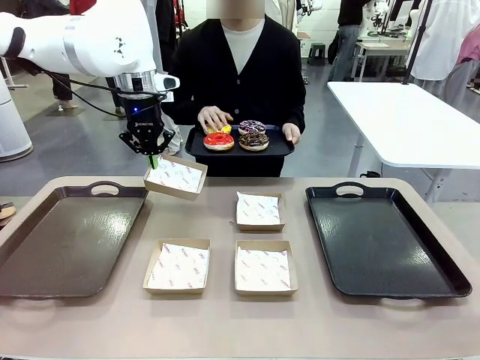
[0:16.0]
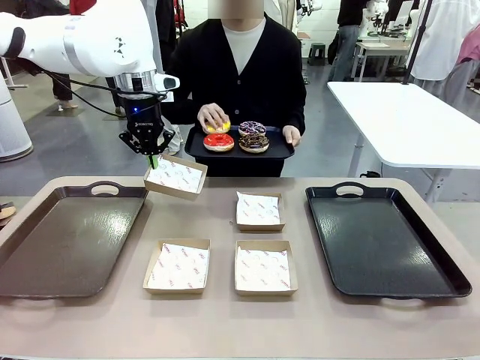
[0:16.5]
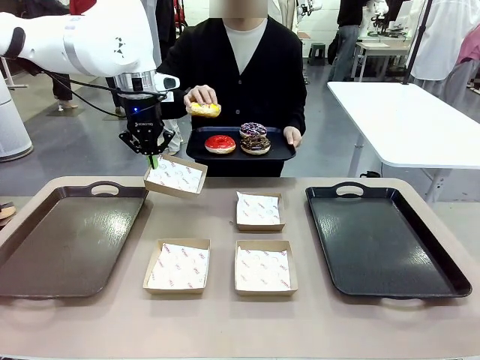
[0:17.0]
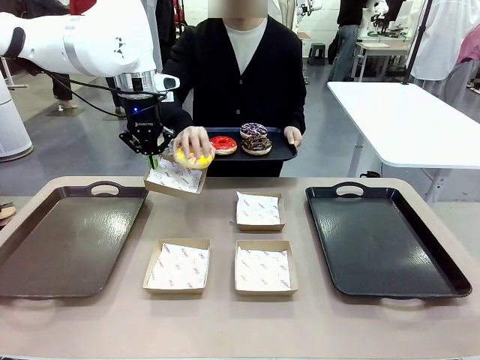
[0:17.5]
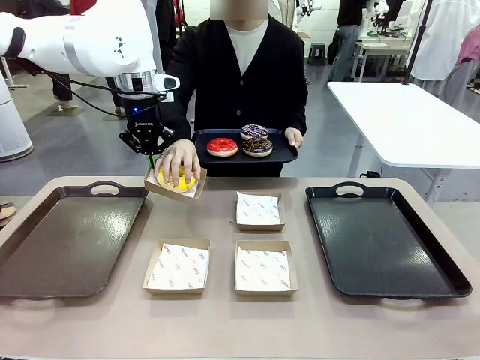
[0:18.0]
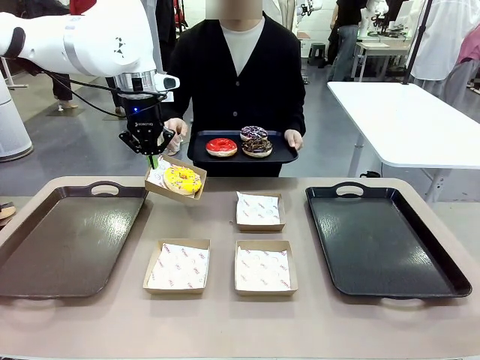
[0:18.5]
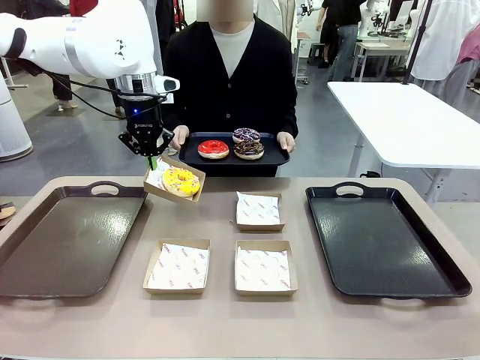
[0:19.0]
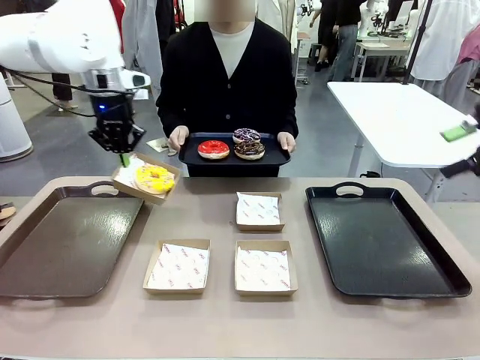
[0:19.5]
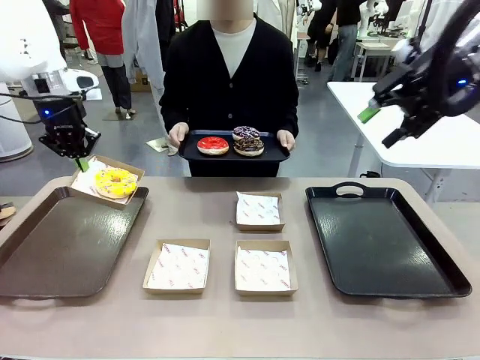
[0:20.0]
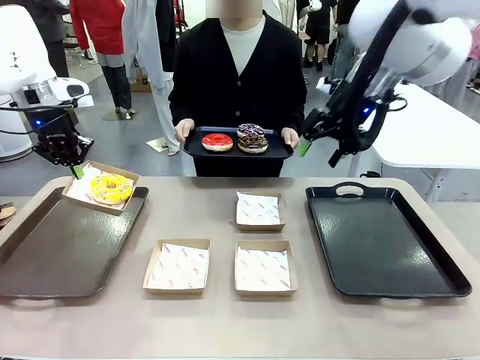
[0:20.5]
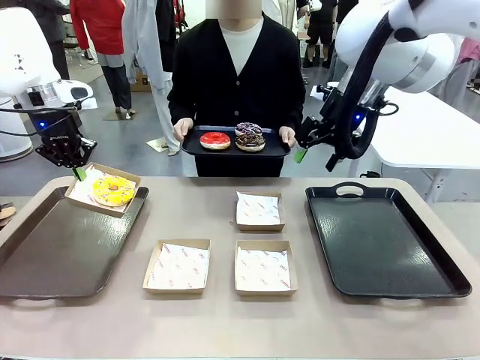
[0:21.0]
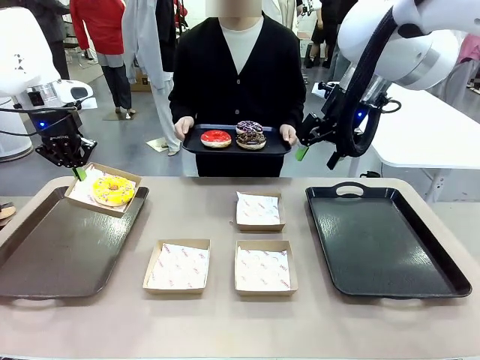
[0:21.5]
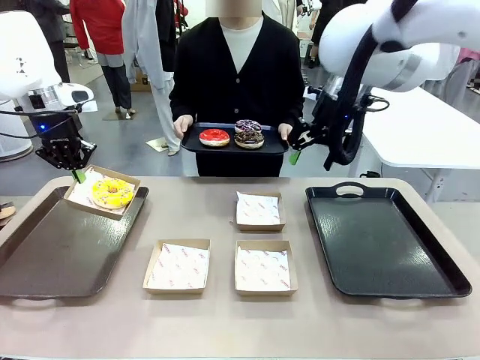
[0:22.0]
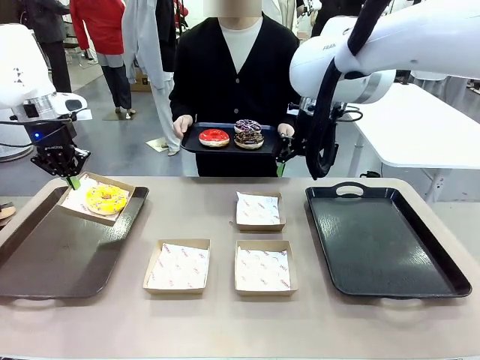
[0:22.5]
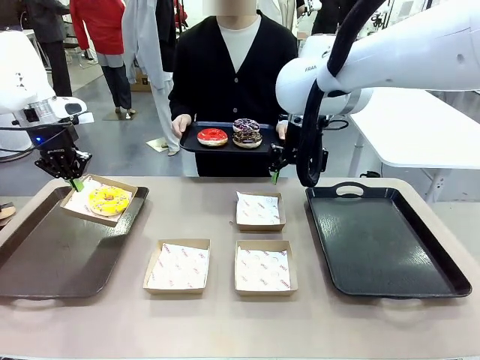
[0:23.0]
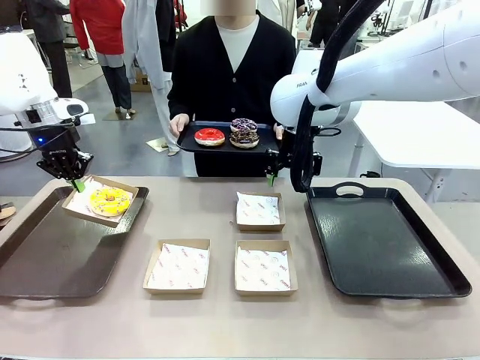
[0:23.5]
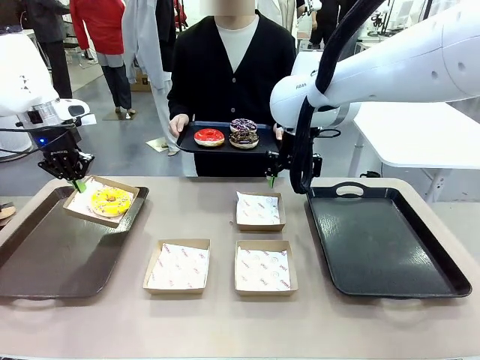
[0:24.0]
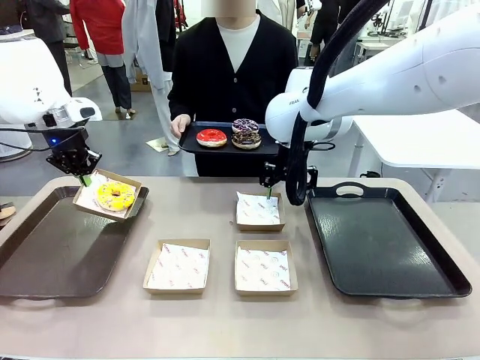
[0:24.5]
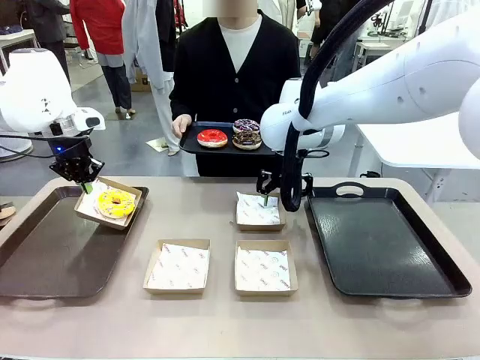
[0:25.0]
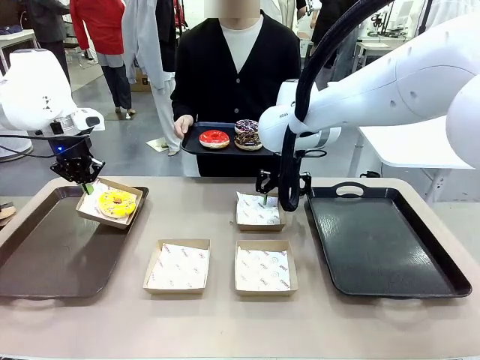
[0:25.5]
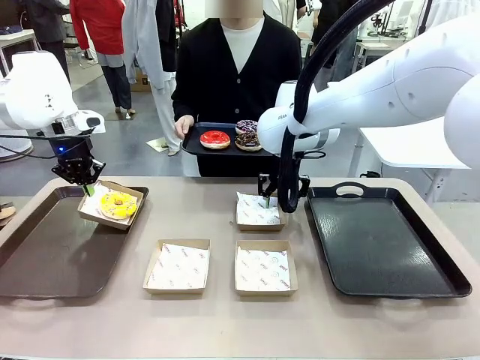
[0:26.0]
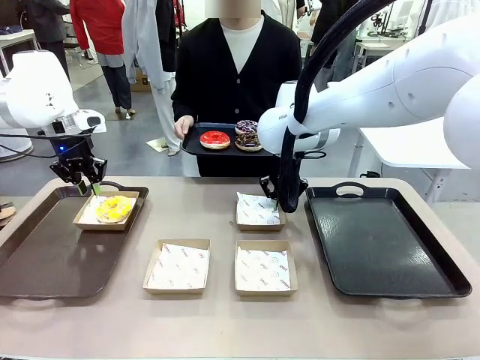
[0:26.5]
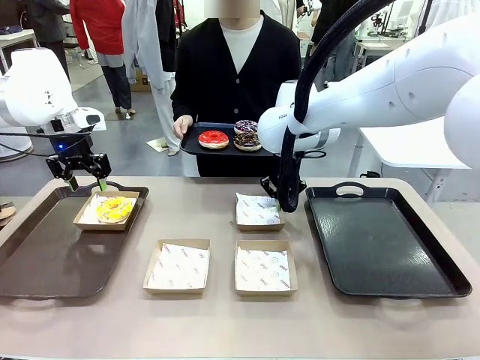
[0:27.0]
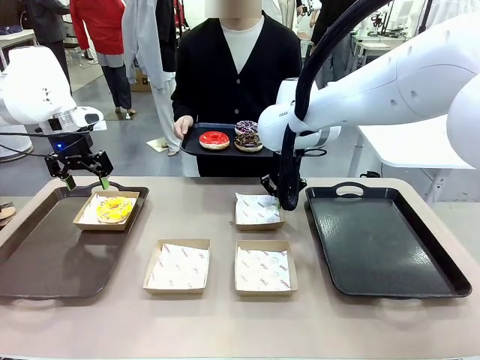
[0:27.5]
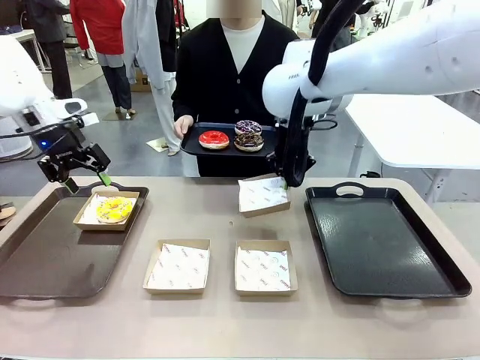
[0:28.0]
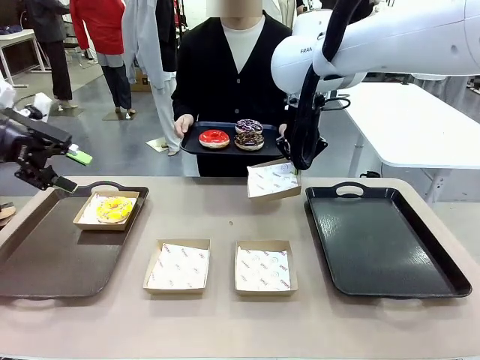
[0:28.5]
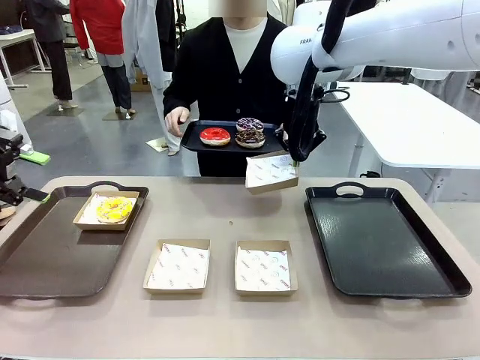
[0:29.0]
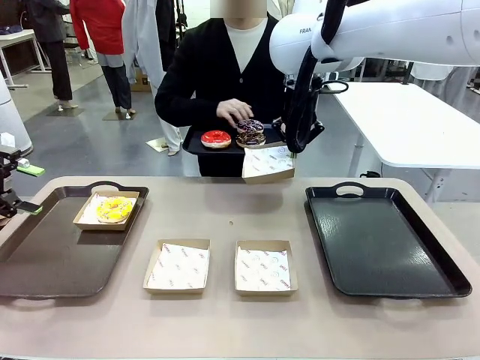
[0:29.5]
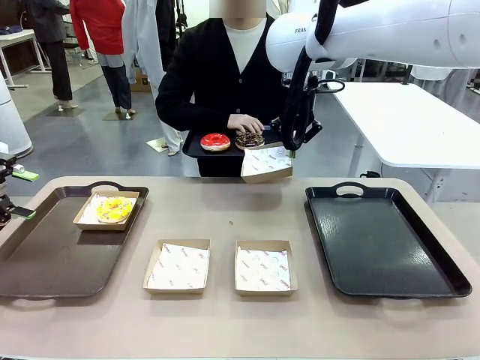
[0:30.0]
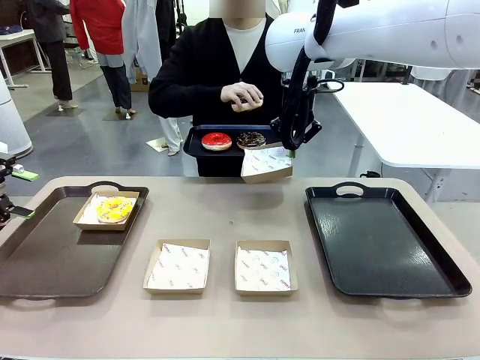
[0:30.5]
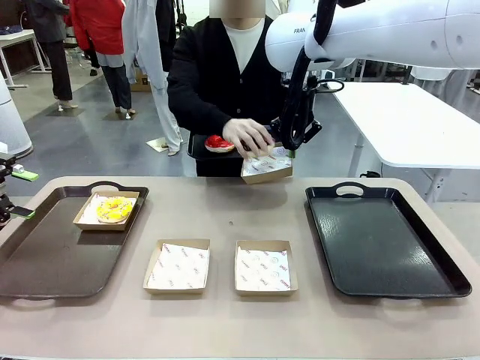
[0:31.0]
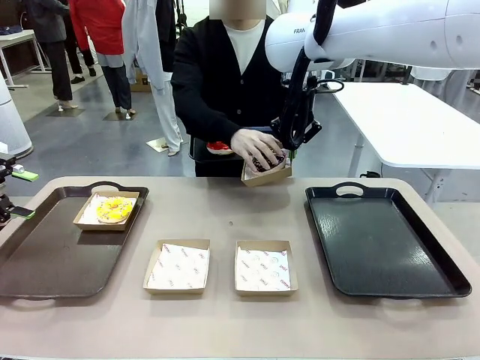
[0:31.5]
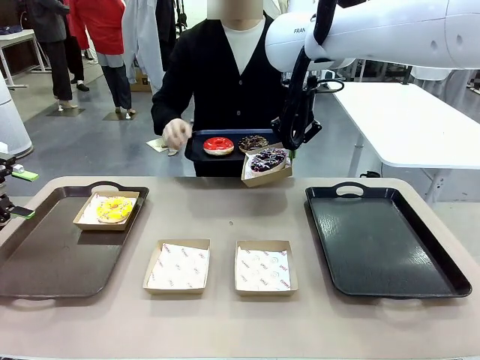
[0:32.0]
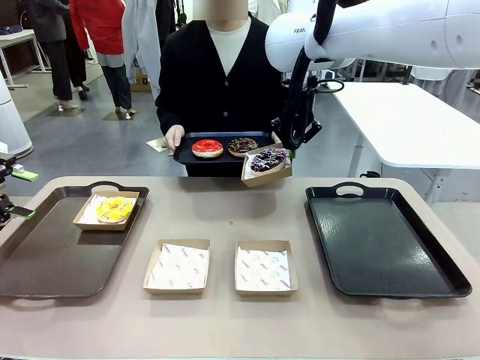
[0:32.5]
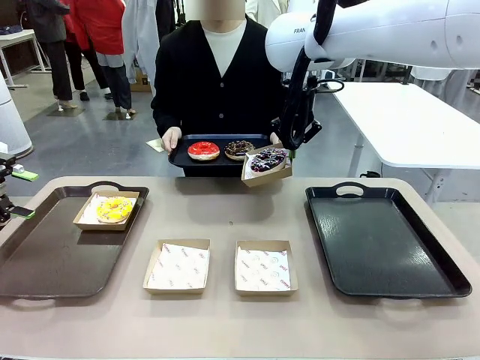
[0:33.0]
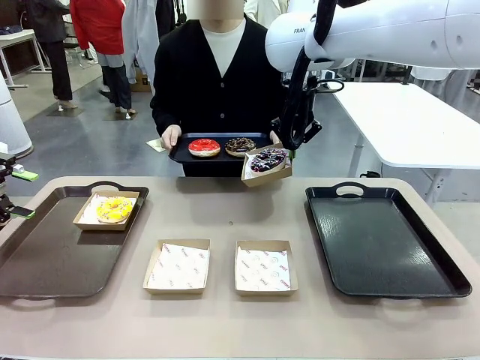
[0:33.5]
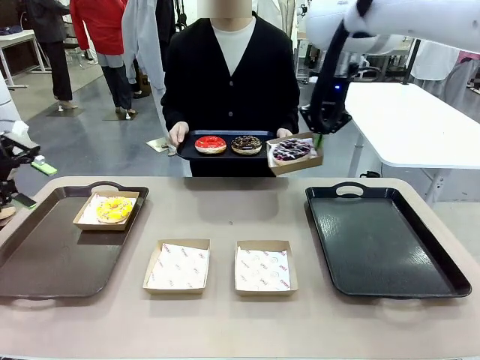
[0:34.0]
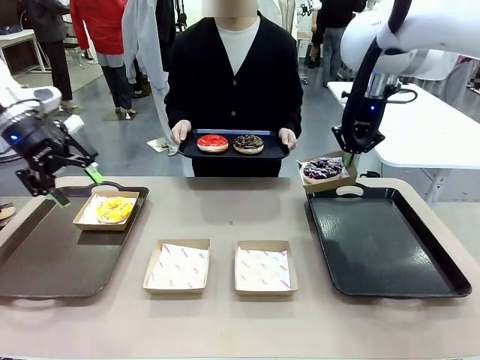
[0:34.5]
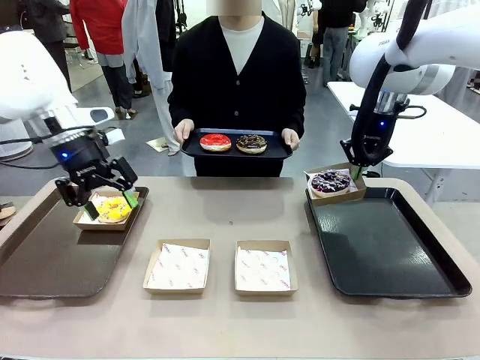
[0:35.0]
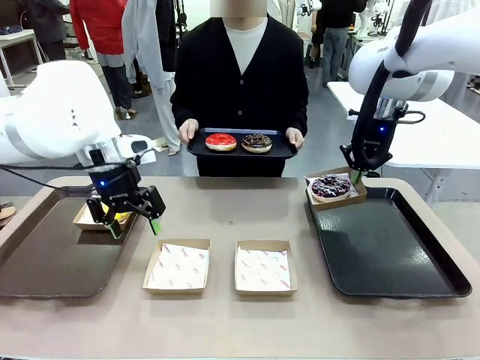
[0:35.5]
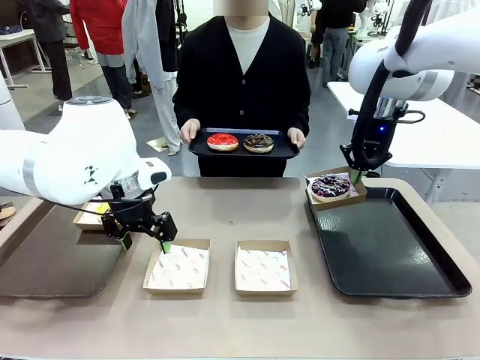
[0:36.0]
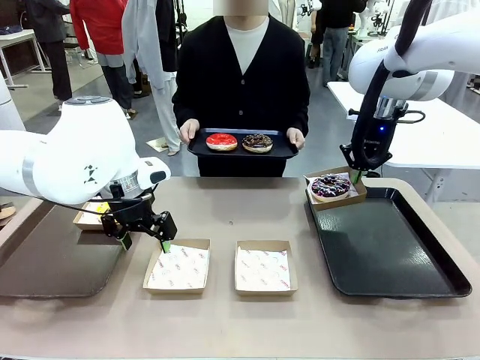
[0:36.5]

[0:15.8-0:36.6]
Task: Individually package the donuts and arrange them on the tray.
Robot: Place the picked Paper togo box on the Handle tray while simultaneously picking up another Paper togo box from the table with the other hand.

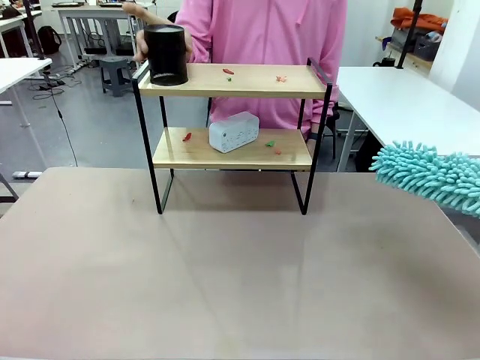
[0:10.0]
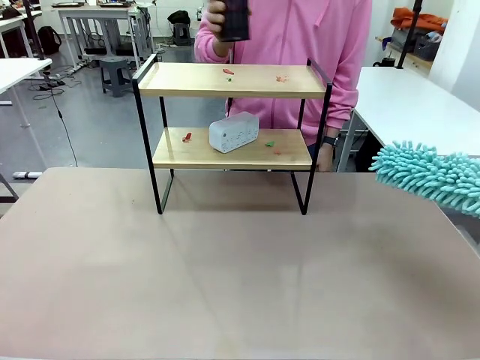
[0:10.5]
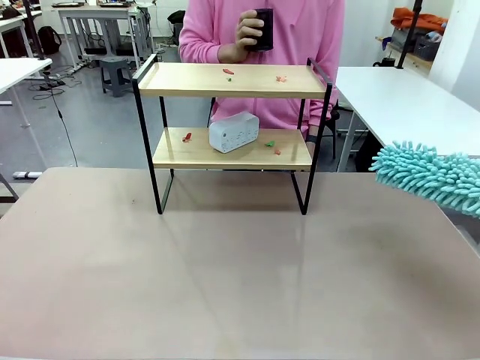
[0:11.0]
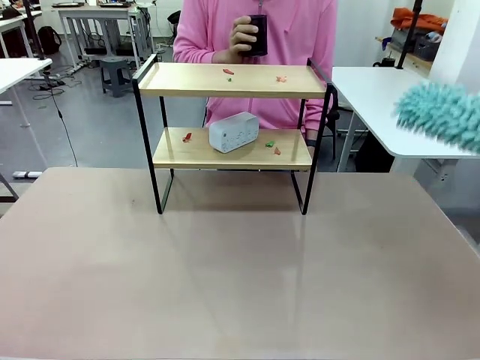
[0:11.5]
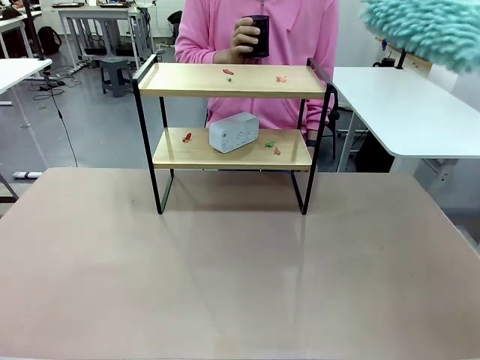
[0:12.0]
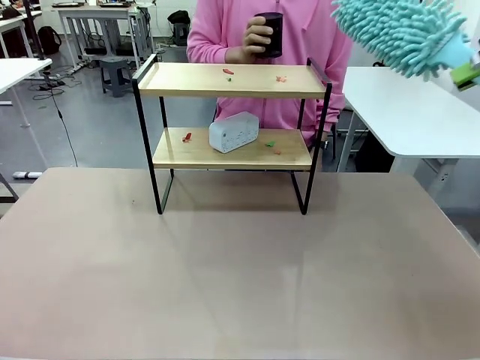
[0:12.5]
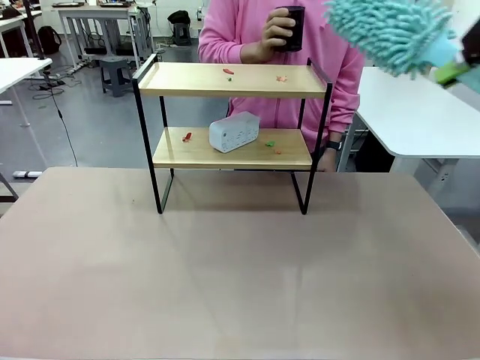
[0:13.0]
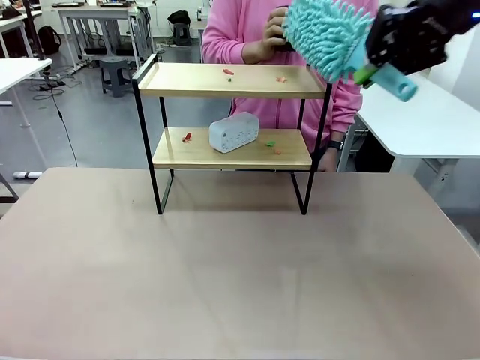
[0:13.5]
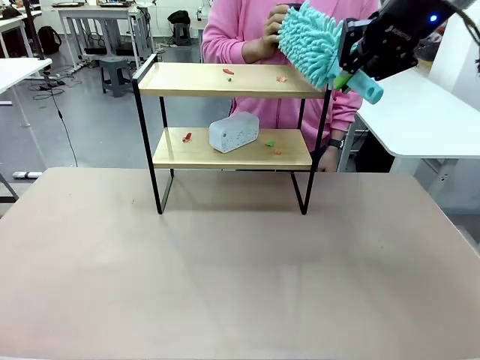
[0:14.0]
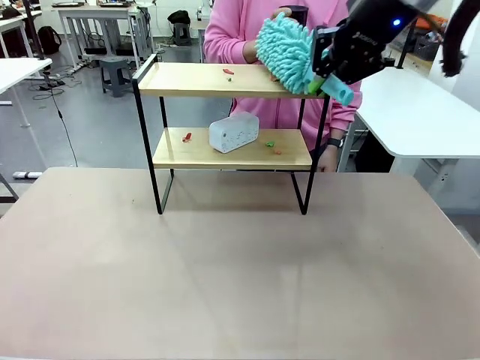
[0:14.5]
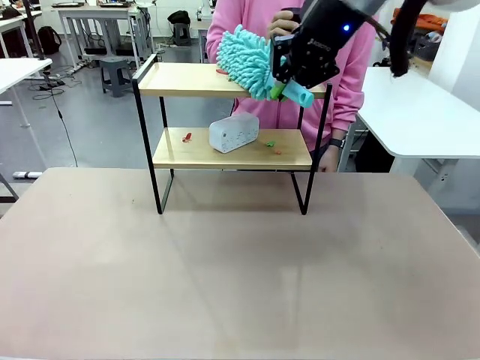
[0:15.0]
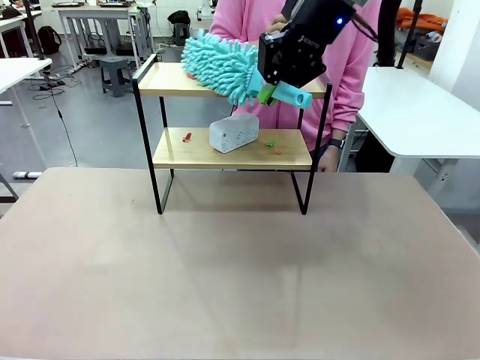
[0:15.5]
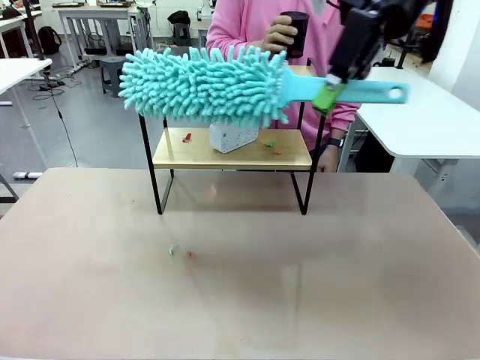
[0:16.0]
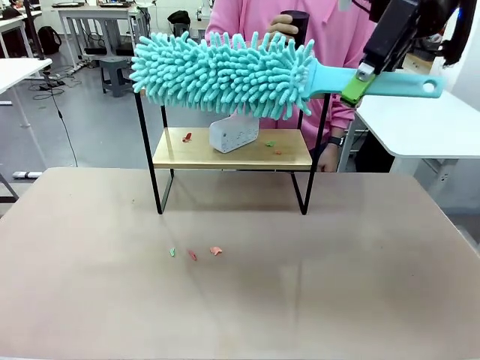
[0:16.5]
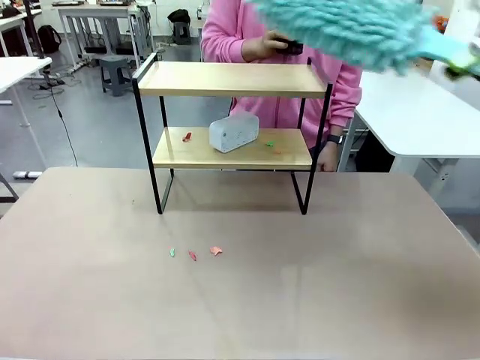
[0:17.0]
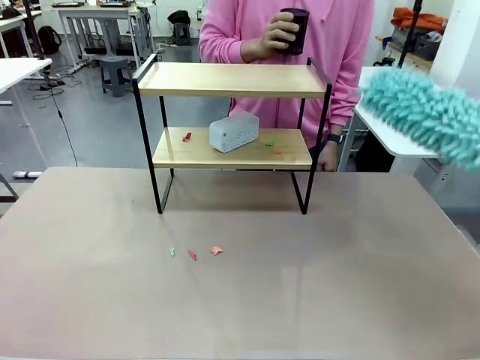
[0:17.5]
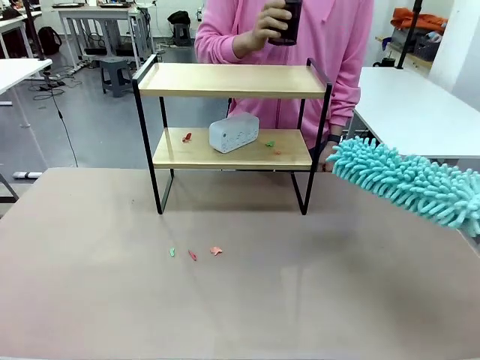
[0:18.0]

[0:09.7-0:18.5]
Task: Clean the shelf.
Robot: Clean the specific tier of the Shelf with the Duster once objects are removed.
Person: Lift the objects on a randomly selected tier of the Shelf. Once the robot finishes cleaning, lift the objects on the remaining tiers of the Shelf.
